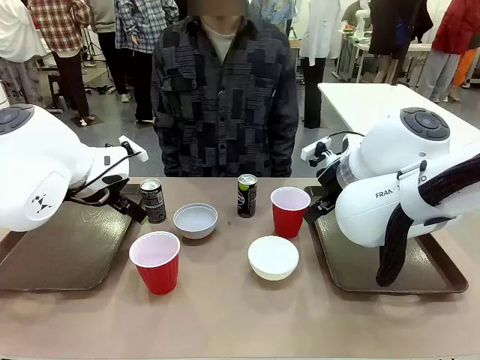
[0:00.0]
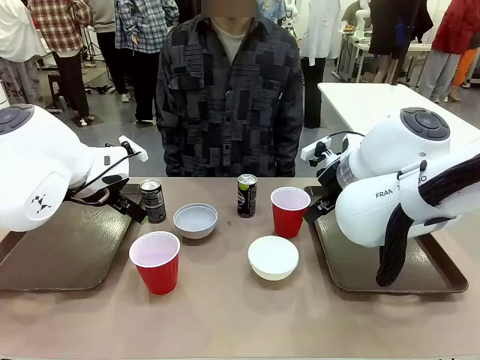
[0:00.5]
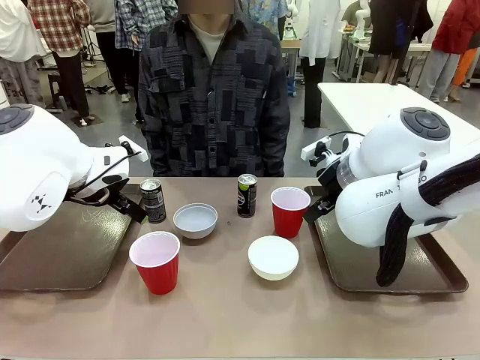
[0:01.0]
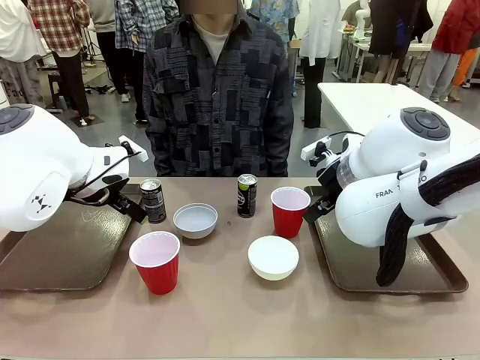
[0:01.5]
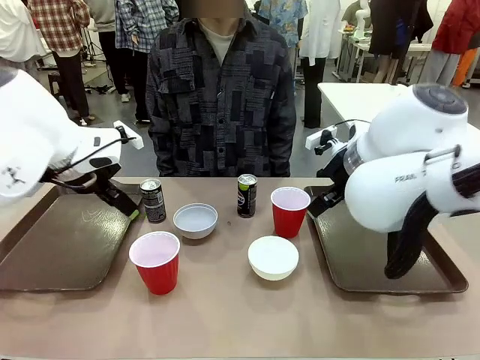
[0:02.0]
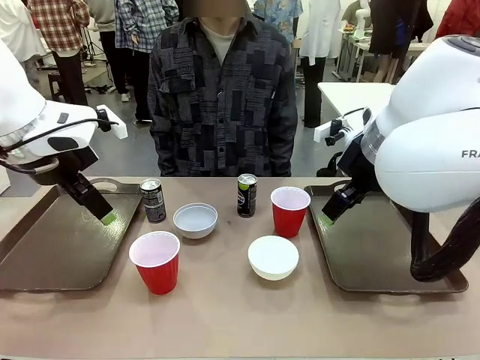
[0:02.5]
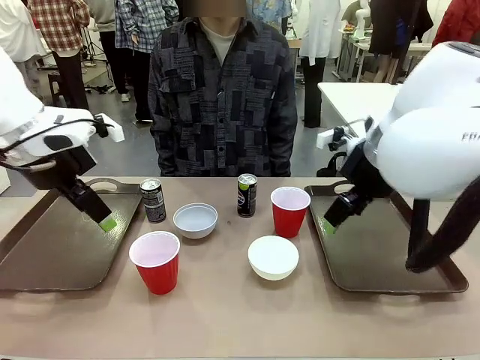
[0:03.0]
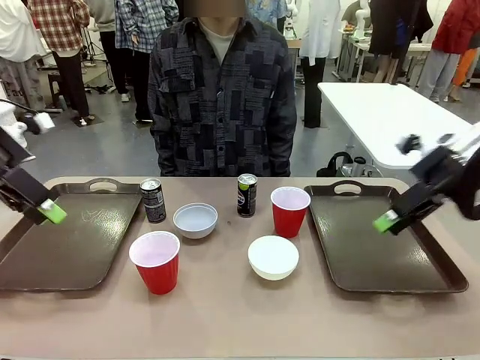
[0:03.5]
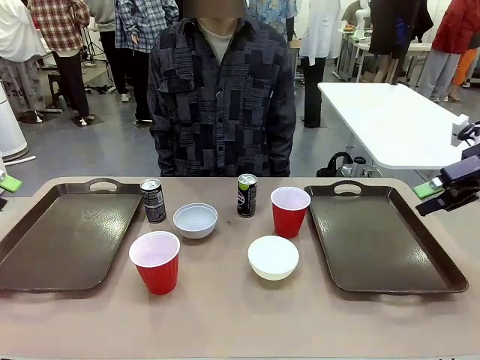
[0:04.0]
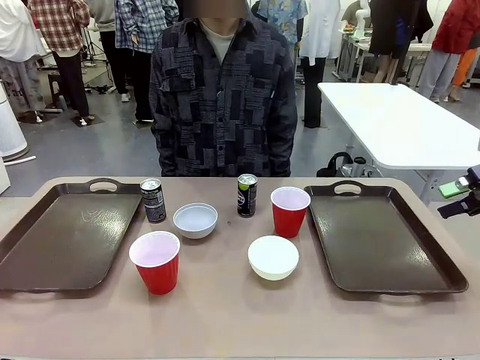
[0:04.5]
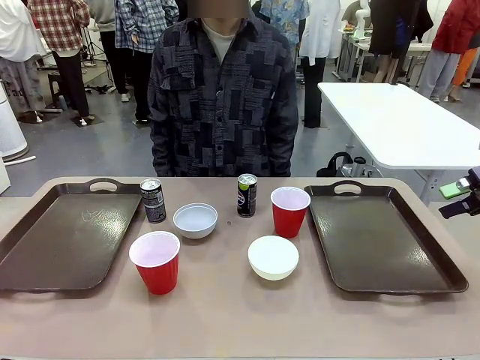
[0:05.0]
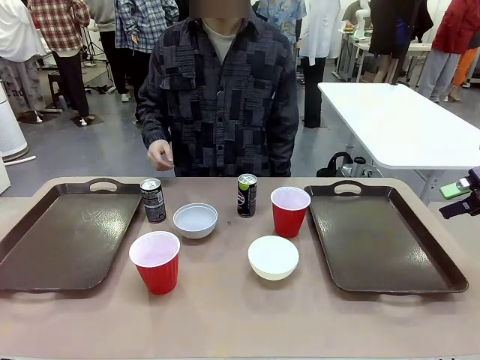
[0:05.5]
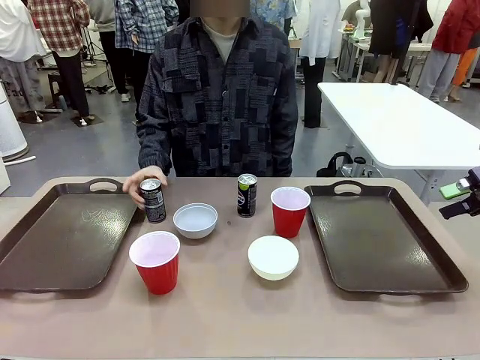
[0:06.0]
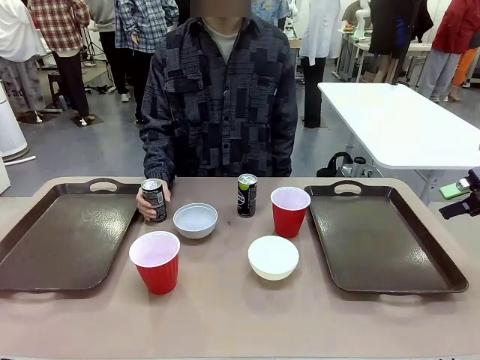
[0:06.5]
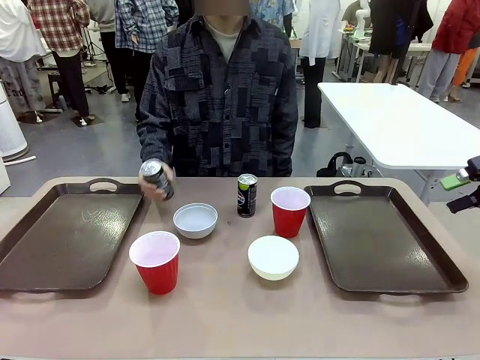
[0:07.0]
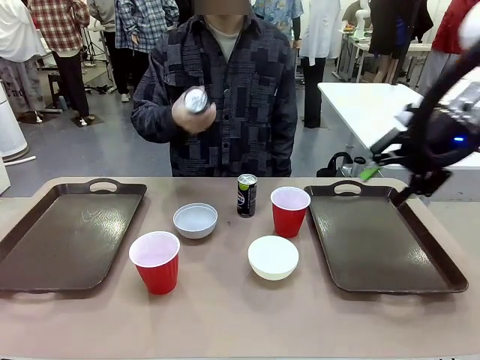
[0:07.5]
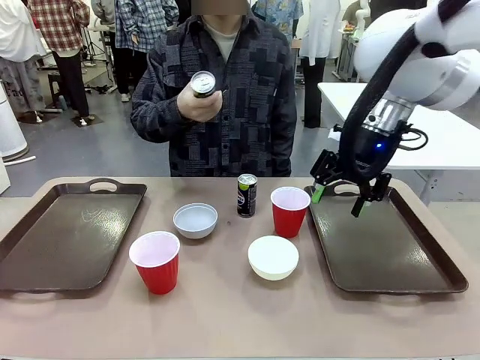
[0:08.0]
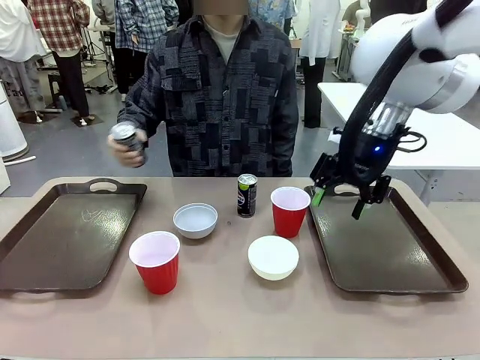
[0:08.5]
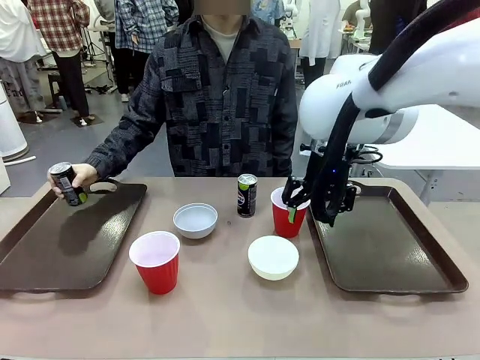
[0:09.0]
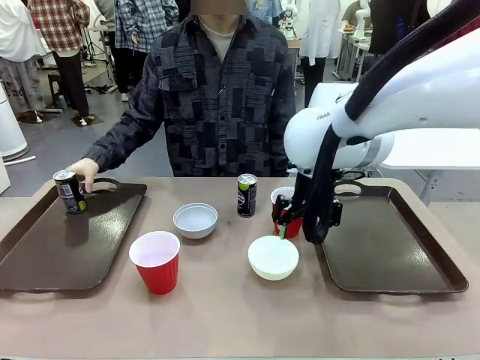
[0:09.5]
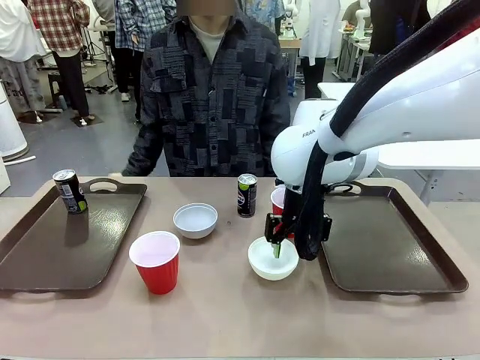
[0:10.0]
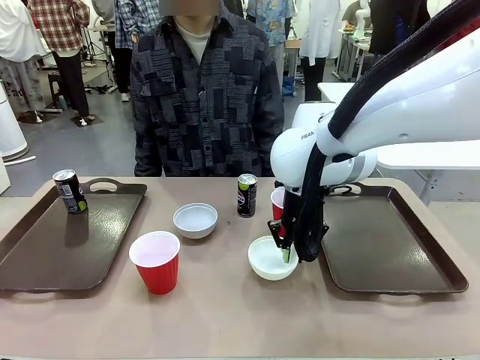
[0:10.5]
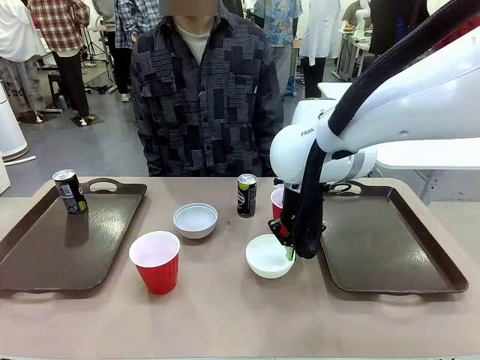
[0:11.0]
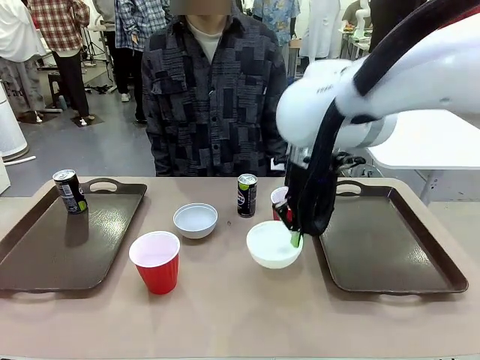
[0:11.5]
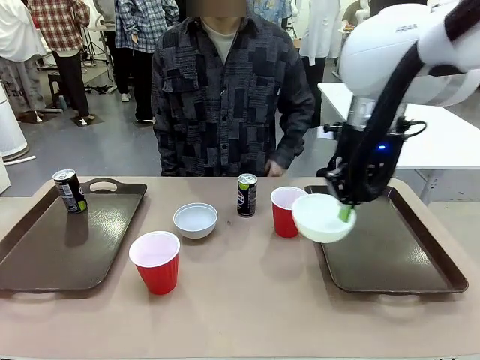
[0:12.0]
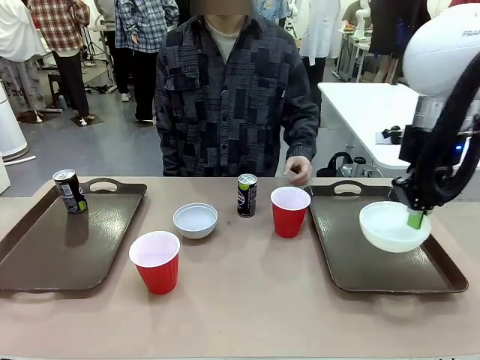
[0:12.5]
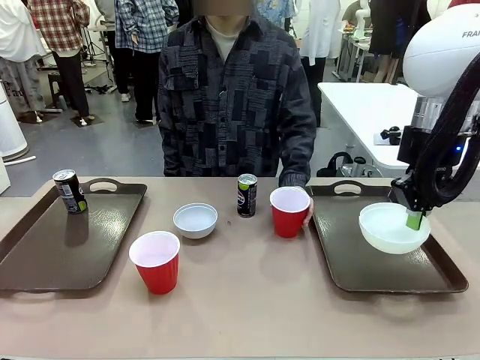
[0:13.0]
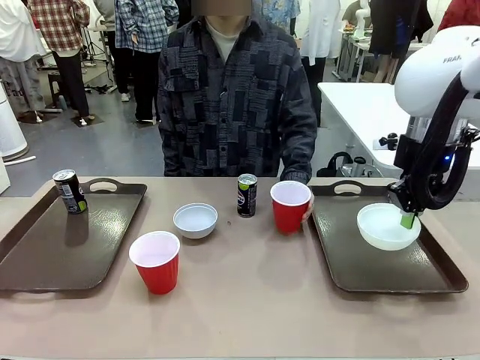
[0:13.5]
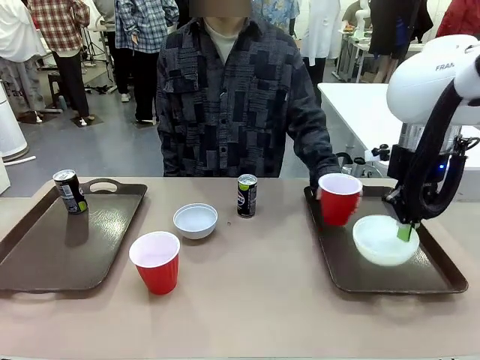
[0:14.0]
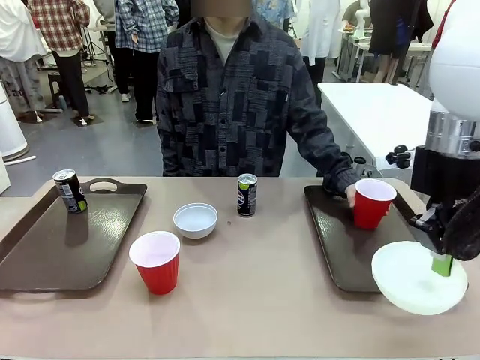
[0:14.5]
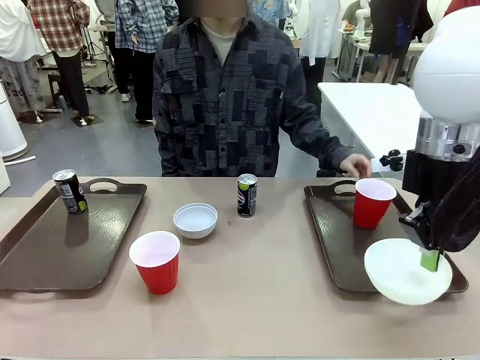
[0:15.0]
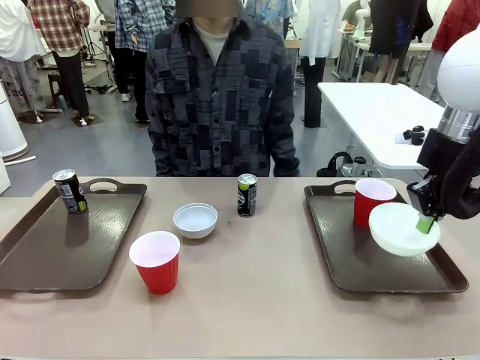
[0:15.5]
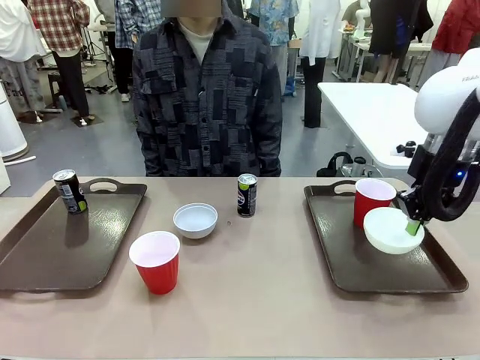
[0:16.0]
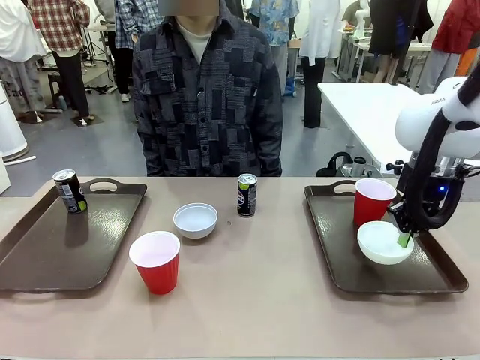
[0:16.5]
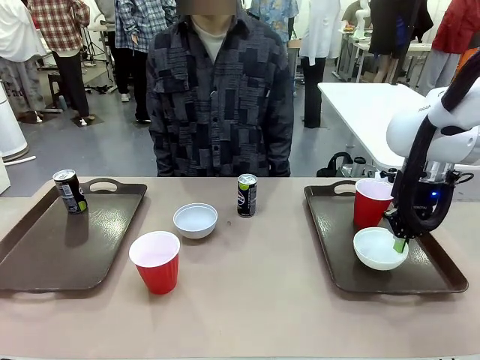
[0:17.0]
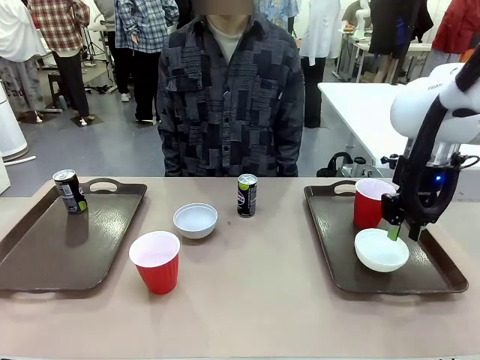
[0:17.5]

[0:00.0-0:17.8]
Task: Prepare tableware on both trays.
Robot: Pick up a Picnic Bowl from the table and place it on a Handle tray.
Person: Pick up a can or cup and place it on the tray.
